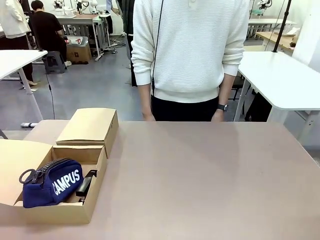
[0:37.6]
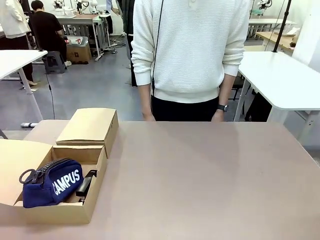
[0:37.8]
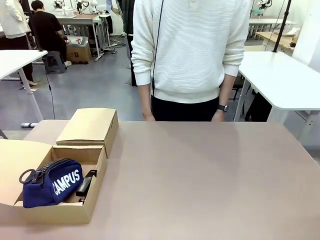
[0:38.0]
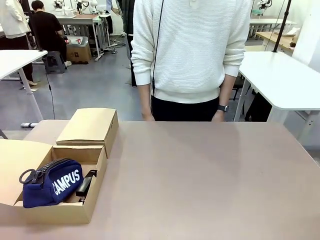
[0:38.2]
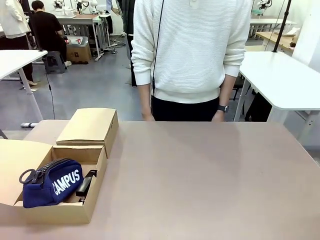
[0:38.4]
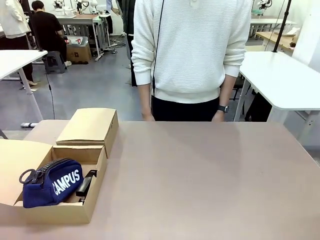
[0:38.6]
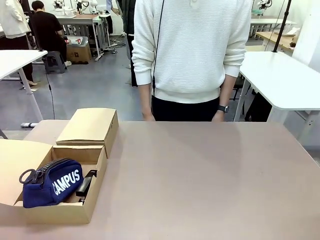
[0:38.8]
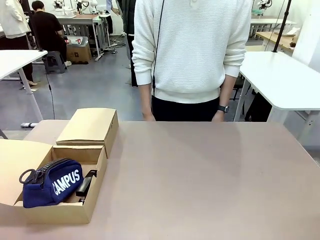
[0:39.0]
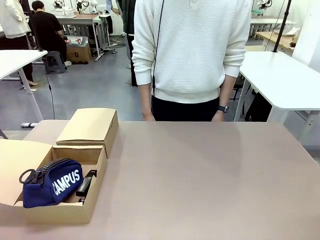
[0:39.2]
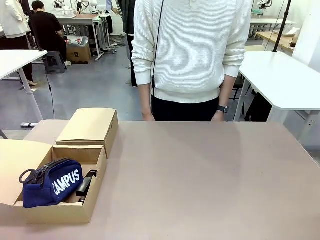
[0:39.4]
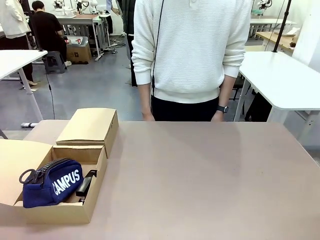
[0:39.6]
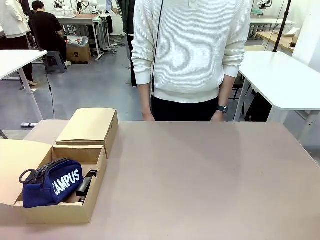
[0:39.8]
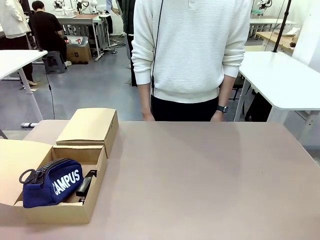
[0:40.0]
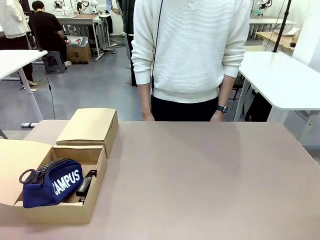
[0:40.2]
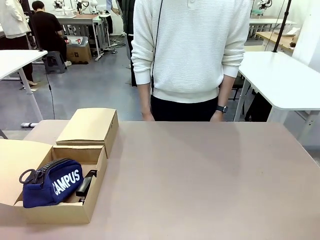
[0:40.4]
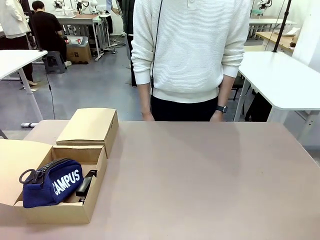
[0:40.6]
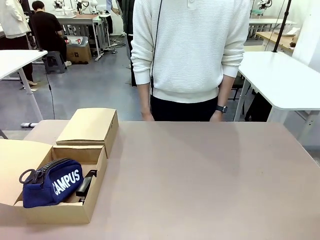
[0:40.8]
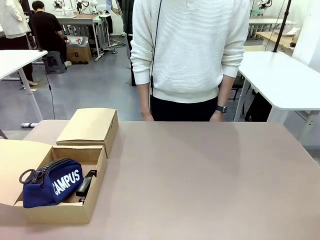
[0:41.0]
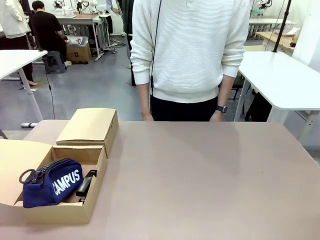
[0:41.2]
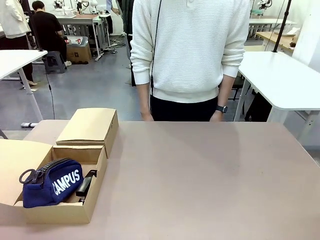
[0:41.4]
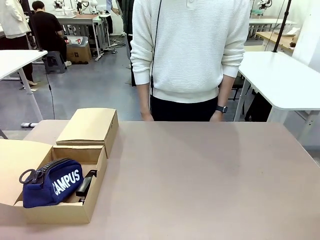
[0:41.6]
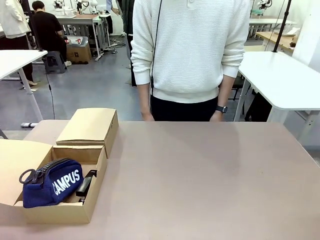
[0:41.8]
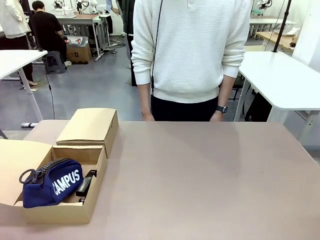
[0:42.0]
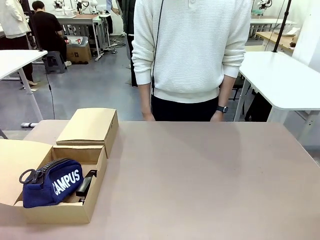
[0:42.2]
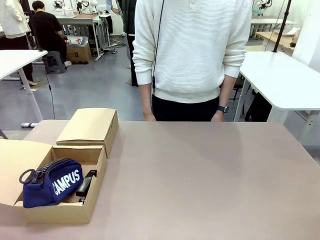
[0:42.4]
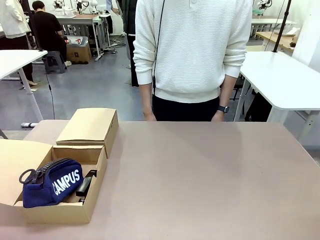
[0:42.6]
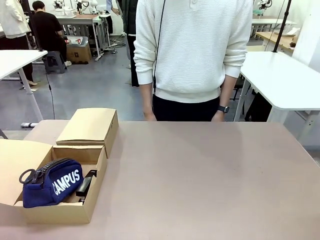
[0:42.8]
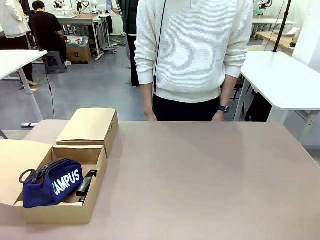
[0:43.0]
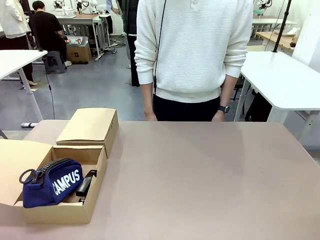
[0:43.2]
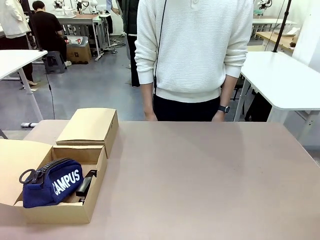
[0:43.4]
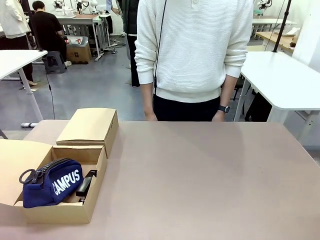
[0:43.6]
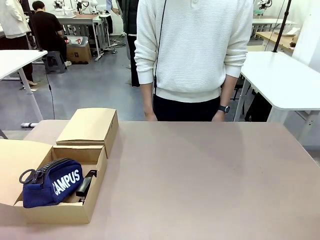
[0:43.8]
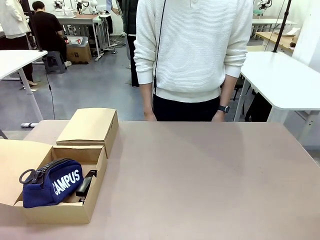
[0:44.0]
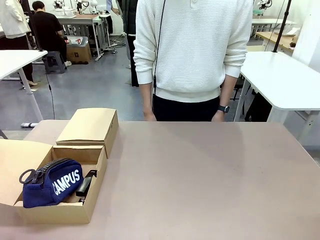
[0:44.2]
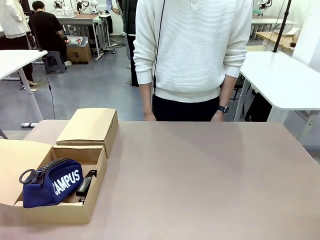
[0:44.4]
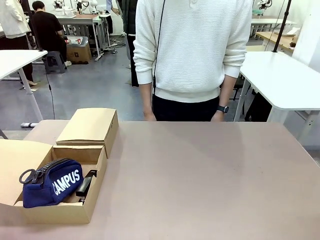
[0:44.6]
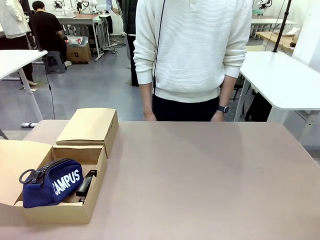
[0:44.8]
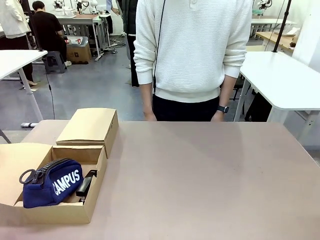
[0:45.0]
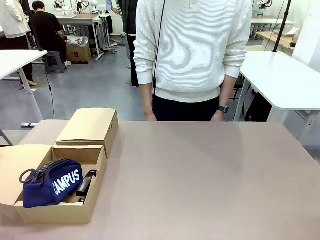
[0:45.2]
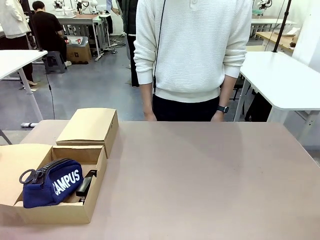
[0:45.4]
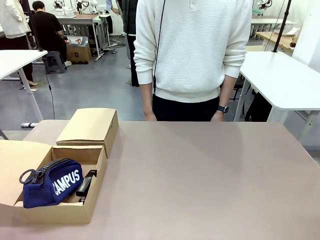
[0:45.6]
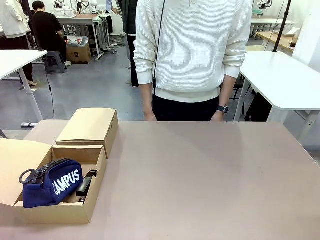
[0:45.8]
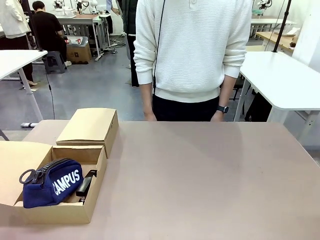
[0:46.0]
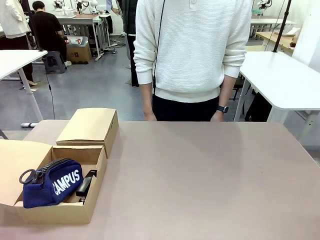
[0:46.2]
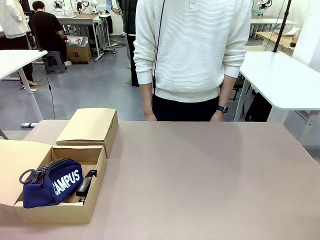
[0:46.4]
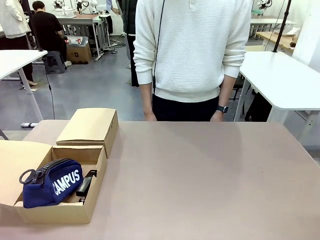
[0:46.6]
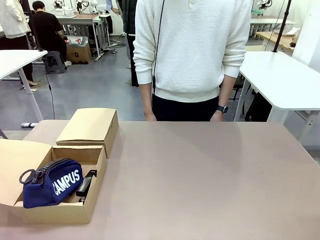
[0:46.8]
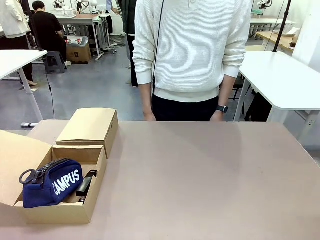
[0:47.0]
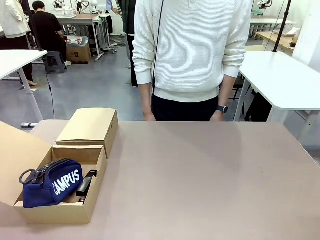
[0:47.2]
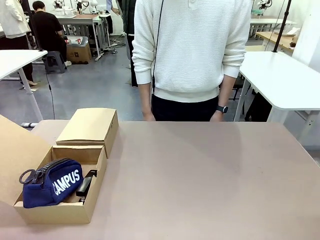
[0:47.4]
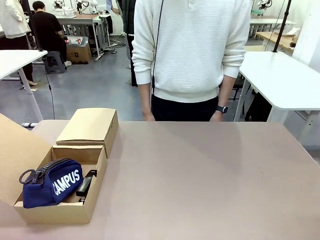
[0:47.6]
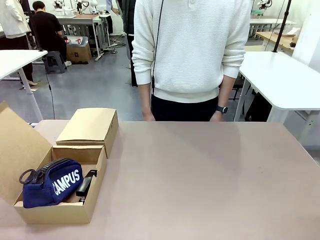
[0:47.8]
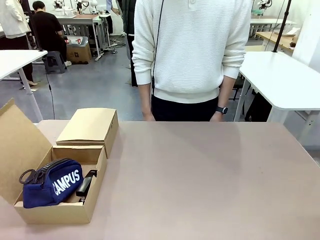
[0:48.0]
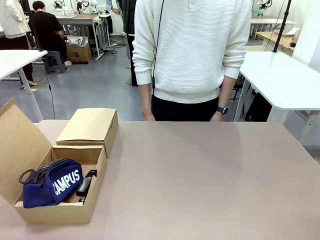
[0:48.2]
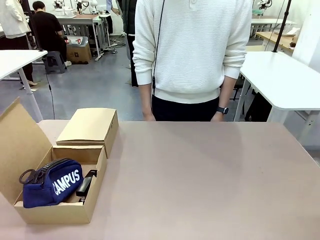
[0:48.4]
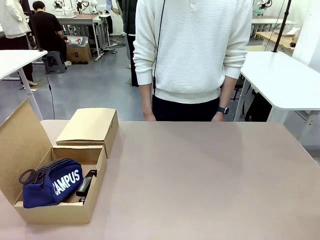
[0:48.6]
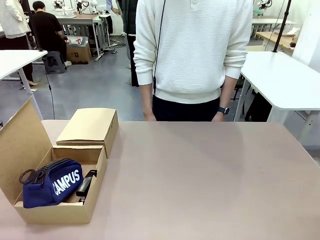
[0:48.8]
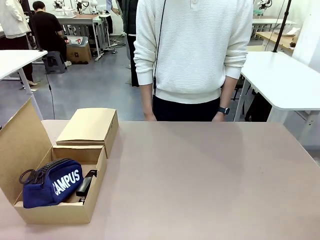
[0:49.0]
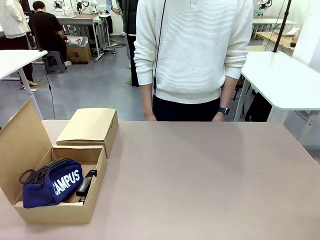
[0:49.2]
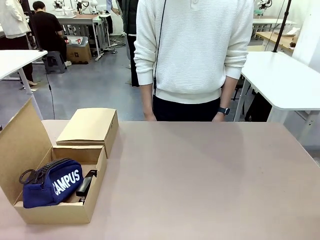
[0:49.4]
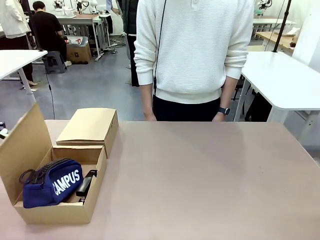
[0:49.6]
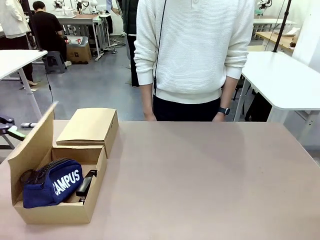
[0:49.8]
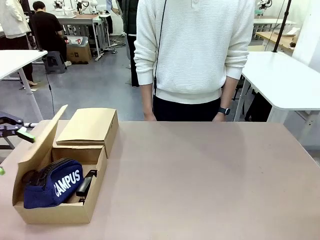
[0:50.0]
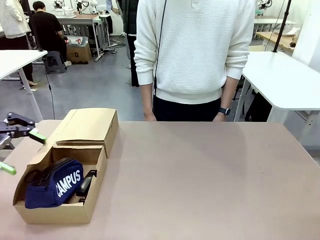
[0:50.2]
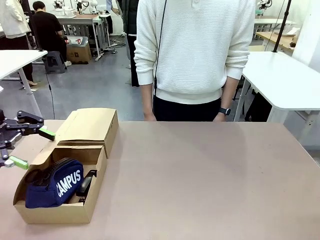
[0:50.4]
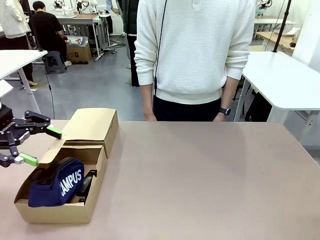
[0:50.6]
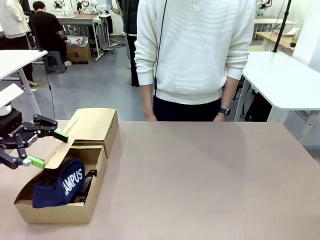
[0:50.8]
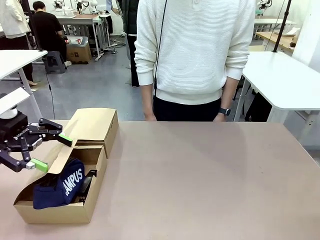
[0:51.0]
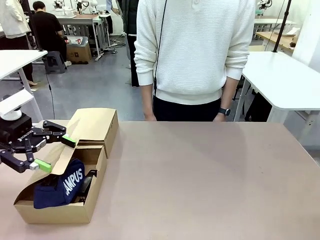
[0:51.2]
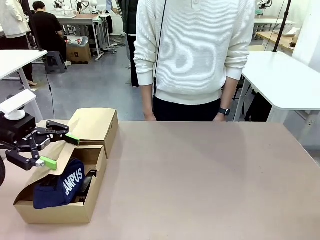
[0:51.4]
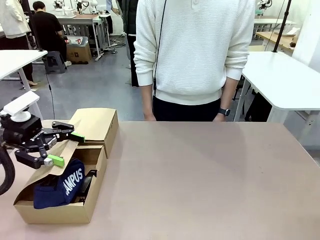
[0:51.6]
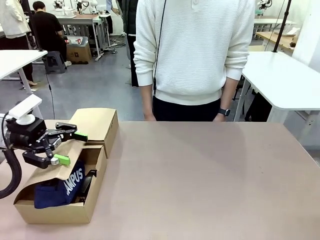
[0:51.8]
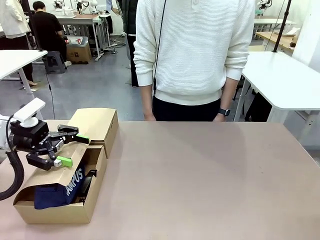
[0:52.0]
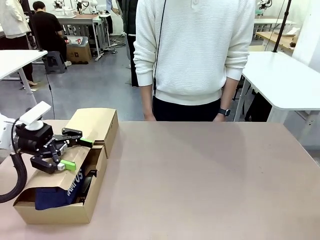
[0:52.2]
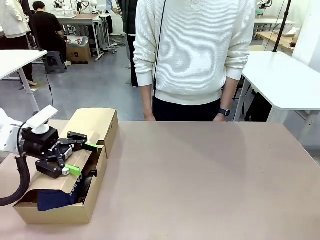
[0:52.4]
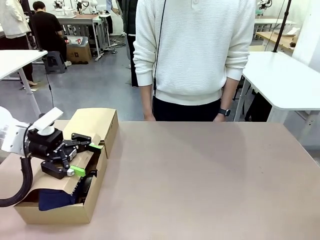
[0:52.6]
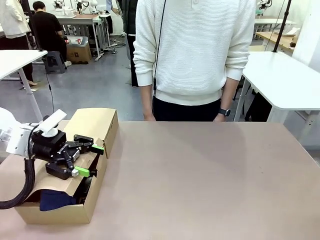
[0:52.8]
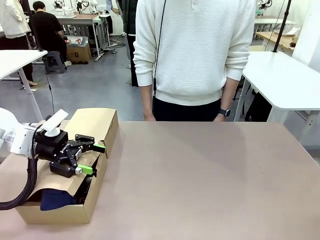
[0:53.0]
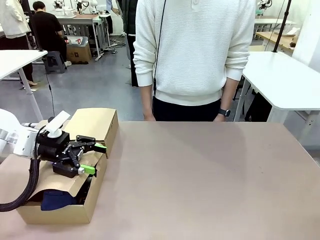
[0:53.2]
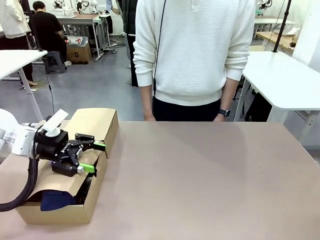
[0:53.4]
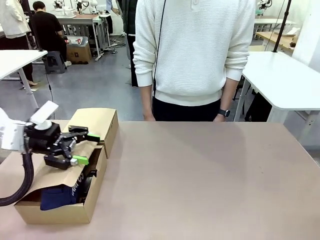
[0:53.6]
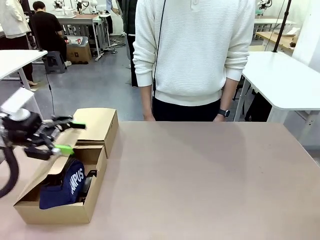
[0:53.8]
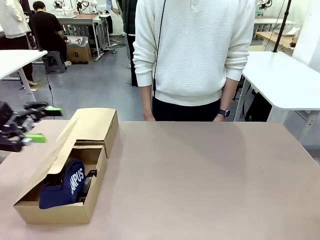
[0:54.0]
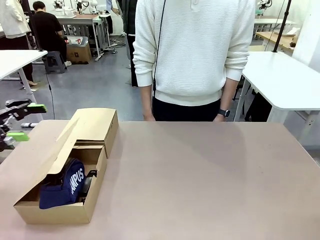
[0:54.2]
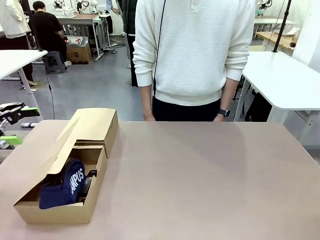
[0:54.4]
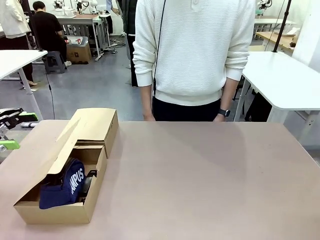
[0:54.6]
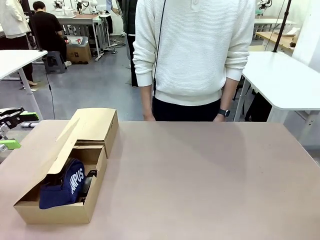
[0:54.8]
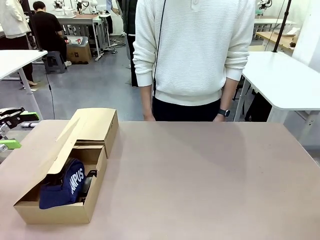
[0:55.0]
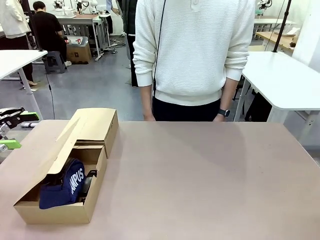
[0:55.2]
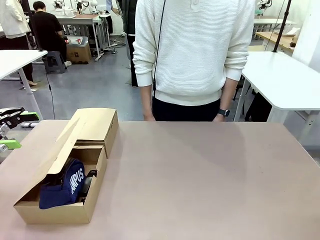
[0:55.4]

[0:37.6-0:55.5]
Task: Place items inside the box.
Robot: Close the lid of the Mailer Box closest to the robot.
Person: Close the lid of the box facing the person.
